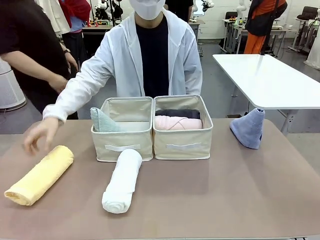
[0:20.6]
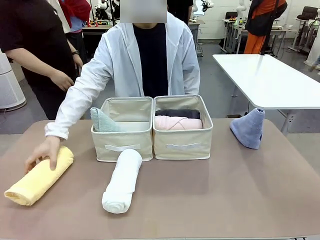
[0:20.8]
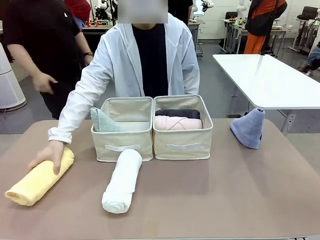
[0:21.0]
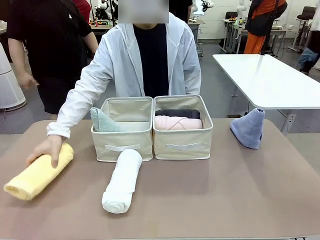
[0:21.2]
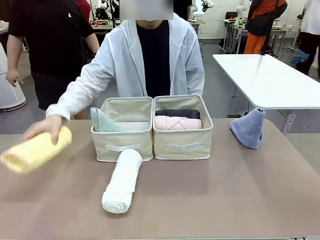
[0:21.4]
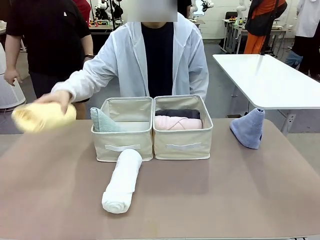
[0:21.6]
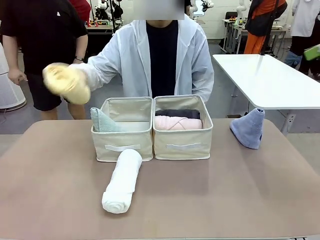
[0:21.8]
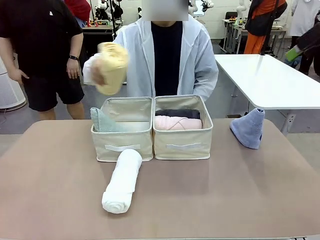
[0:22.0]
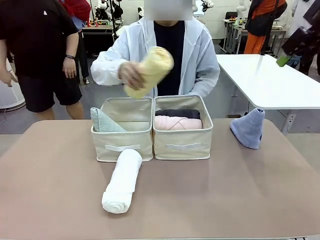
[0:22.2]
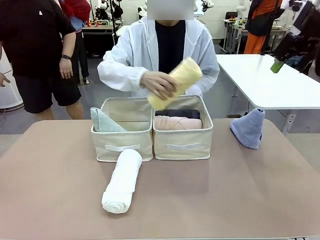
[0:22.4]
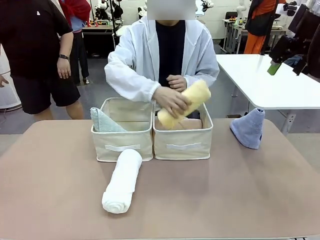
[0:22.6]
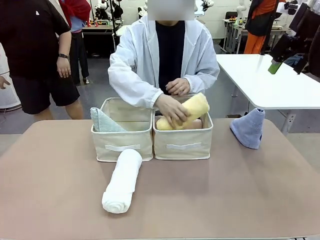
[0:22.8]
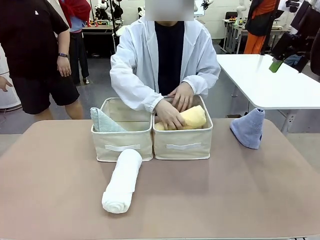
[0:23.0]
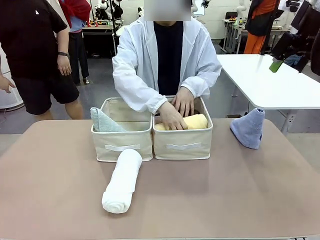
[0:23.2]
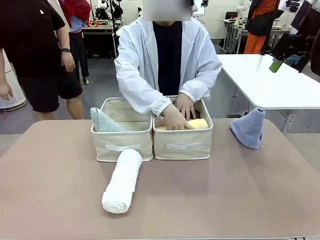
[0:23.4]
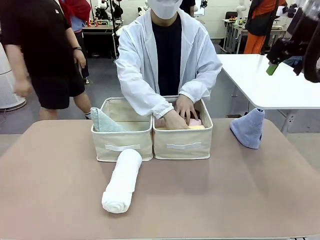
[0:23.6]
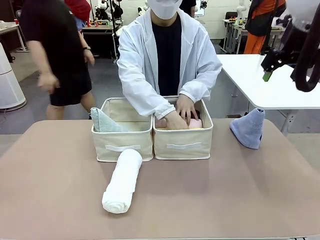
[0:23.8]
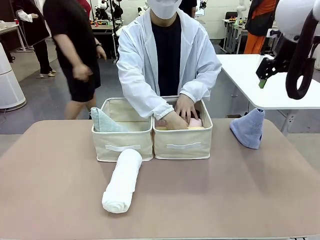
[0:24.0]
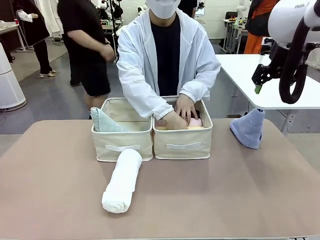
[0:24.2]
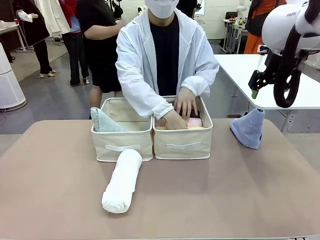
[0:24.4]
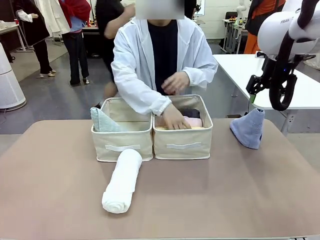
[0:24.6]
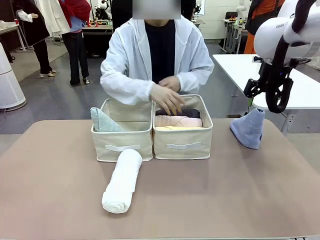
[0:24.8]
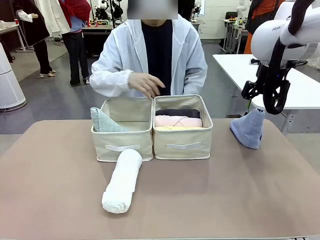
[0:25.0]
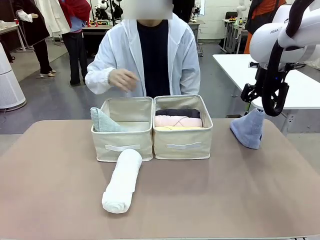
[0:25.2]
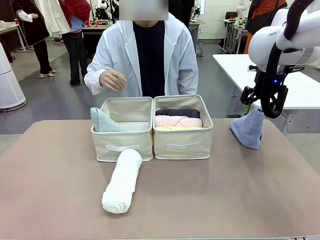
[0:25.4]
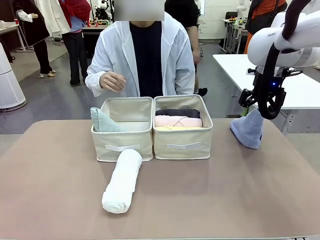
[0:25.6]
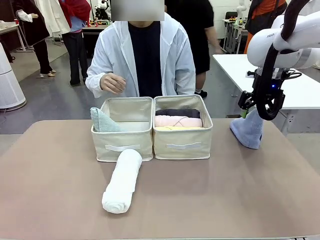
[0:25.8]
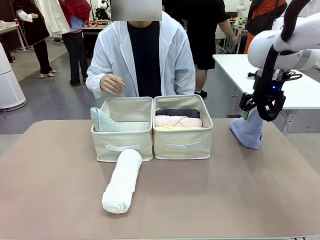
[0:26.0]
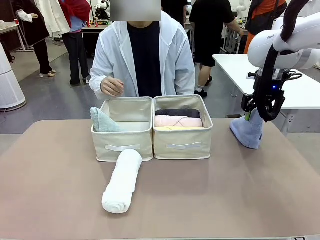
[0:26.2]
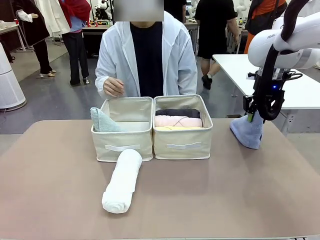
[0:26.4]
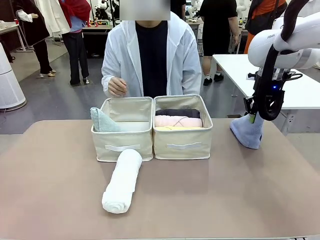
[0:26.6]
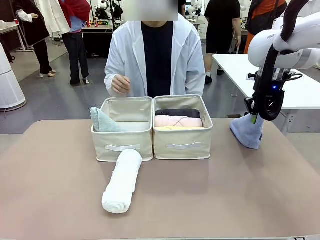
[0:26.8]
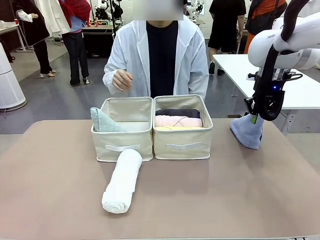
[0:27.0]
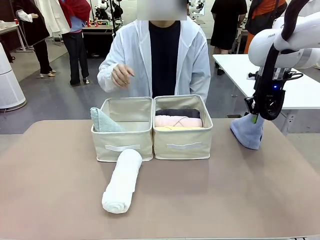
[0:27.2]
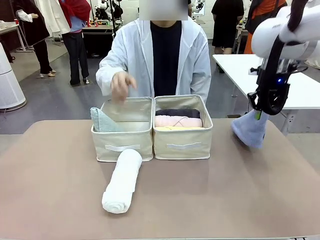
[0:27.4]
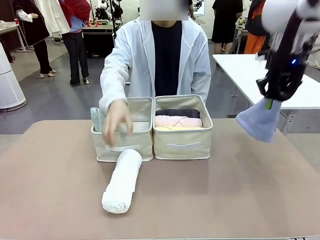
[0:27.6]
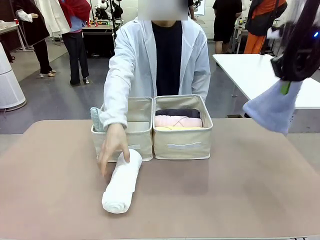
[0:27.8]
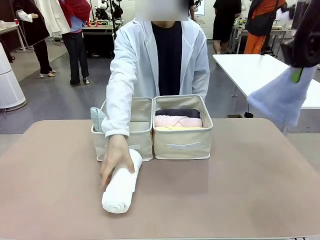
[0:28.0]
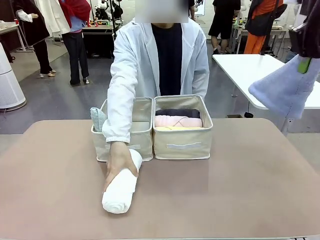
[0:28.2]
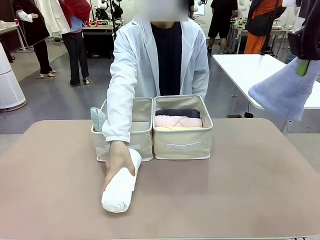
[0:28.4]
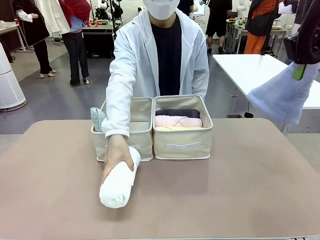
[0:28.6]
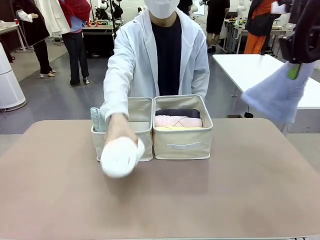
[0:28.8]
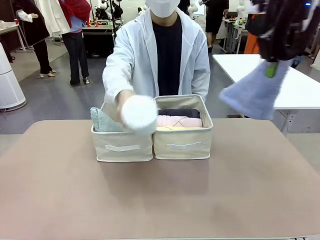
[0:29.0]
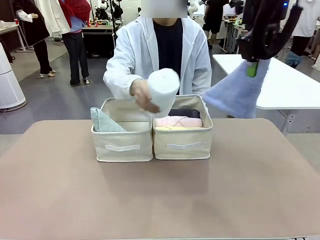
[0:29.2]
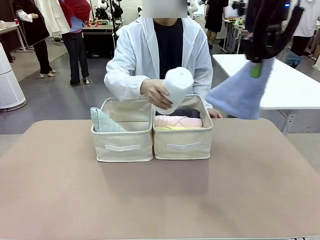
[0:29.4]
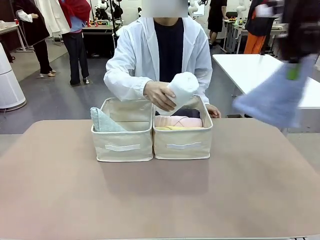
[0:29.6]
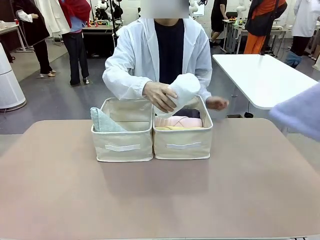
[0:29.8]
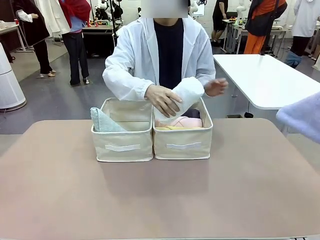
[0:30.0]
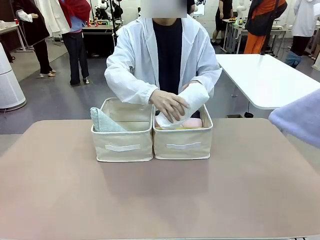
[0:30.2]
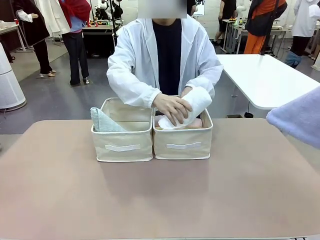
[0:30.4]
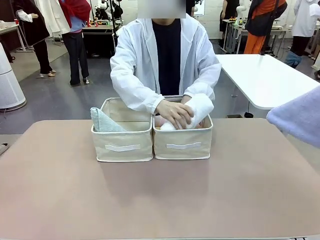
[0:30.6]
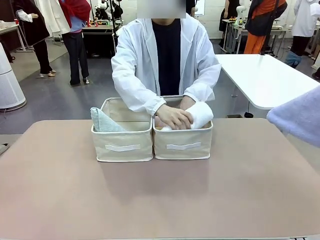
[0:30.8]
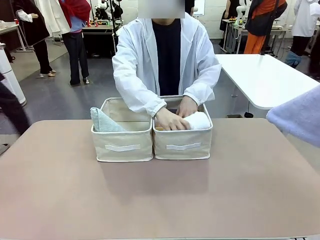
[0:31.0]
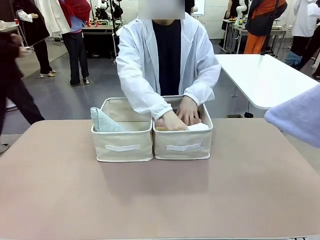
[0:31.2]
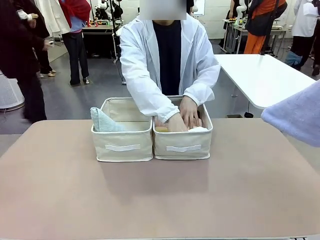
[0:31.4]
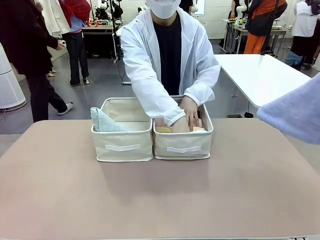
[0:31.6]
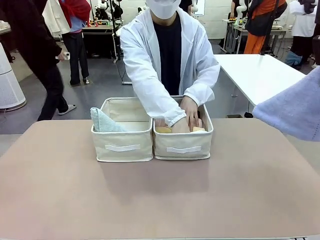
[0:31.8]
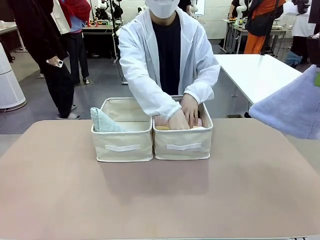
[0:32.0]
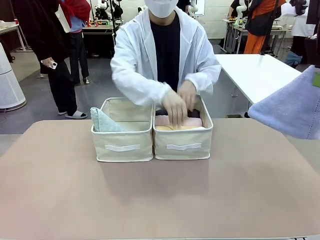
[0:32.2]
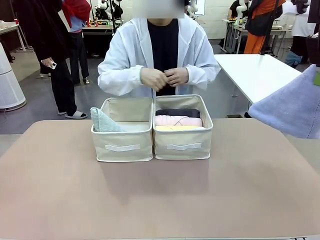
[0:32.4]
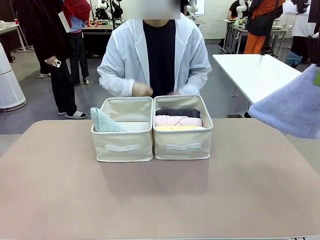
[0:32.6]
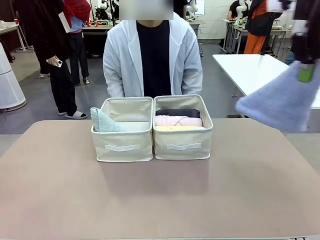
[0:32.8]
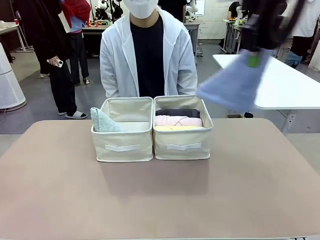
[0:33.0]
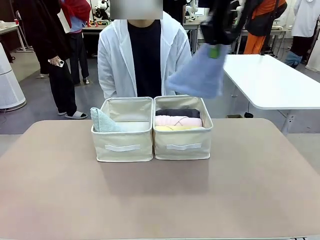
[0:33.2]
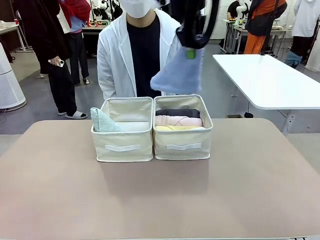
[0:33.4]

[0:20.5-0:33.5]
Task: Sort the towels based on their folding style.
Robot: Pick up another triangle-folded towel from the table and place it in the left Fabric basket.

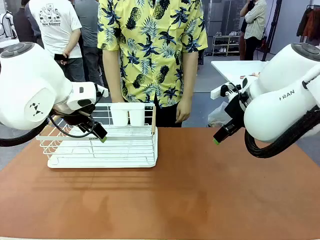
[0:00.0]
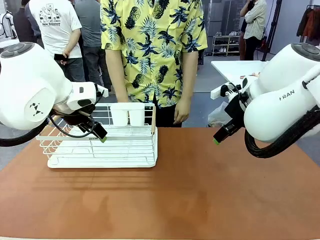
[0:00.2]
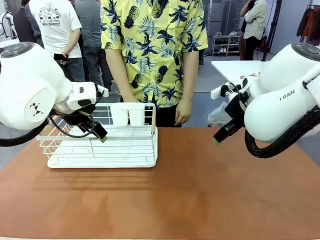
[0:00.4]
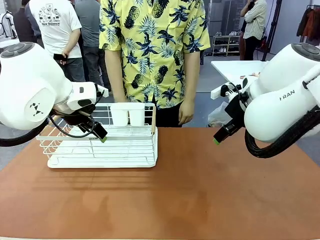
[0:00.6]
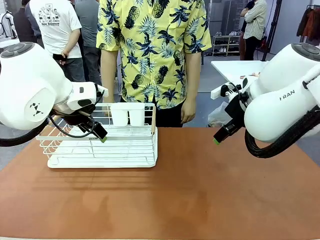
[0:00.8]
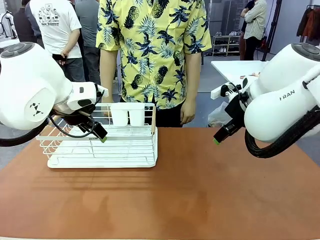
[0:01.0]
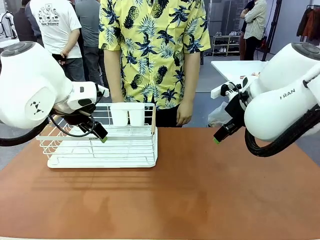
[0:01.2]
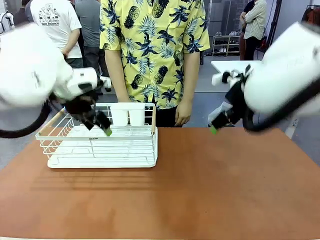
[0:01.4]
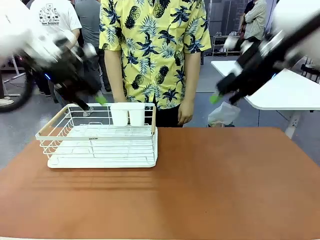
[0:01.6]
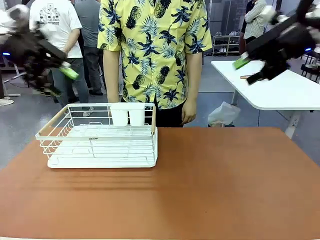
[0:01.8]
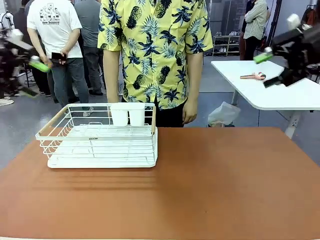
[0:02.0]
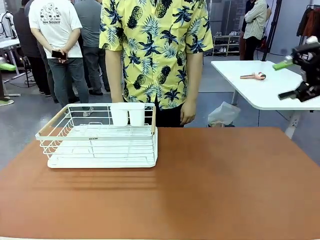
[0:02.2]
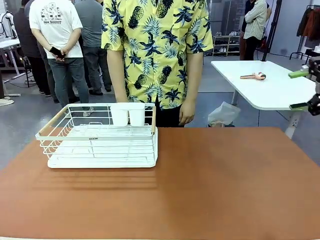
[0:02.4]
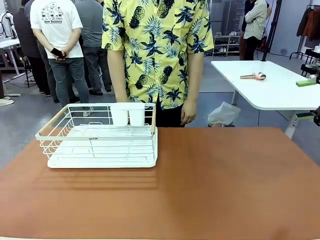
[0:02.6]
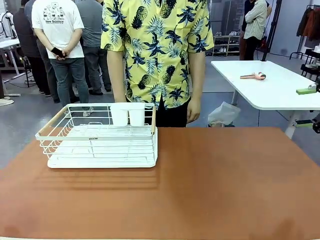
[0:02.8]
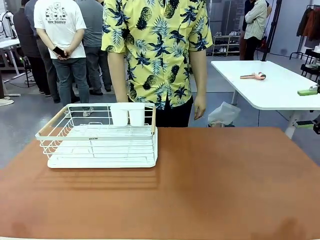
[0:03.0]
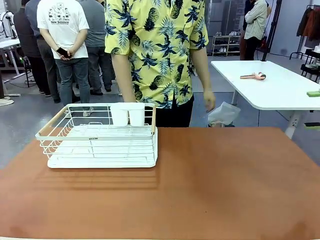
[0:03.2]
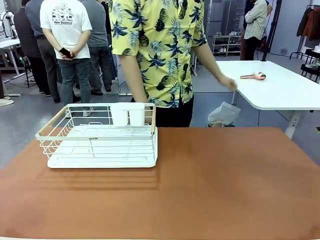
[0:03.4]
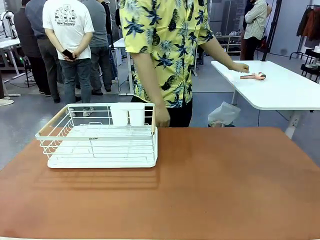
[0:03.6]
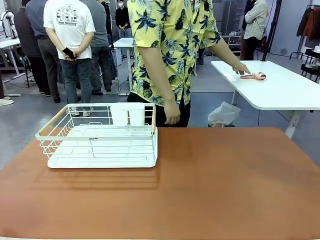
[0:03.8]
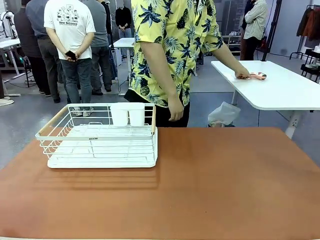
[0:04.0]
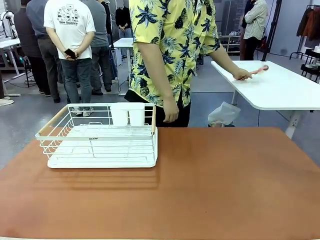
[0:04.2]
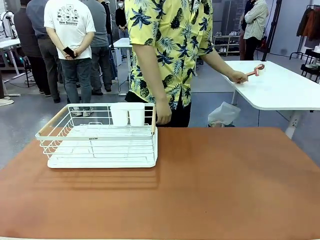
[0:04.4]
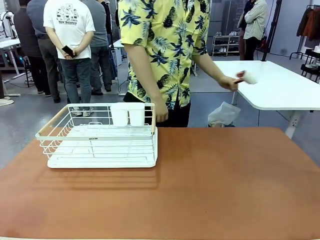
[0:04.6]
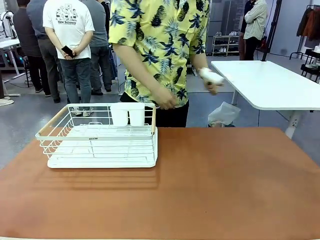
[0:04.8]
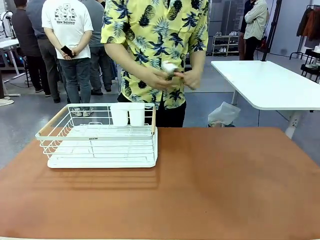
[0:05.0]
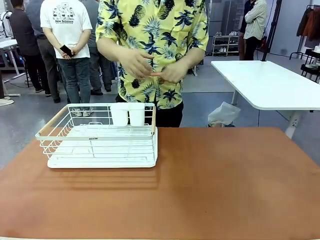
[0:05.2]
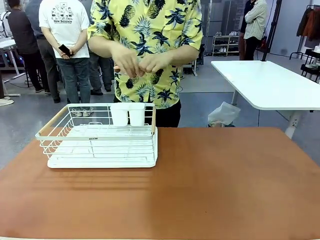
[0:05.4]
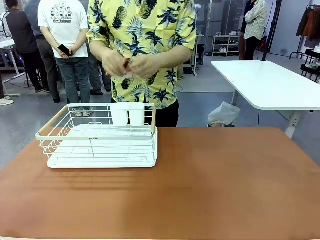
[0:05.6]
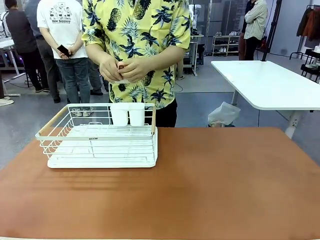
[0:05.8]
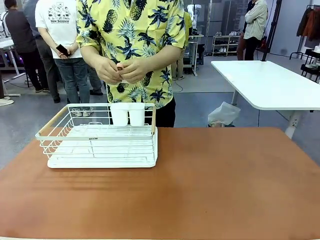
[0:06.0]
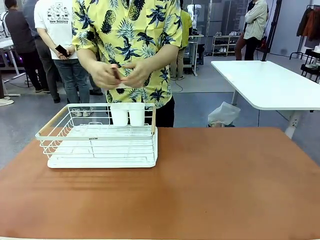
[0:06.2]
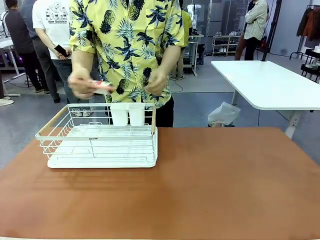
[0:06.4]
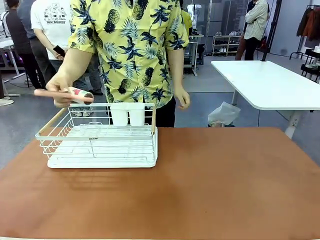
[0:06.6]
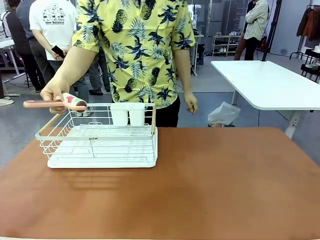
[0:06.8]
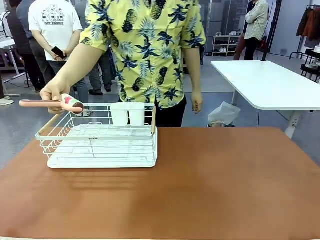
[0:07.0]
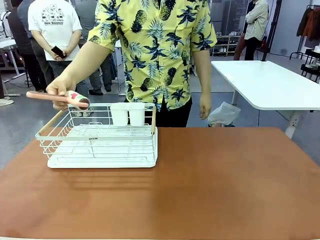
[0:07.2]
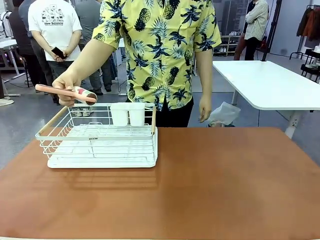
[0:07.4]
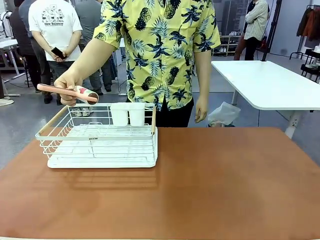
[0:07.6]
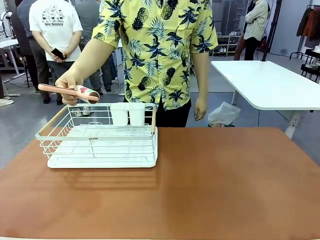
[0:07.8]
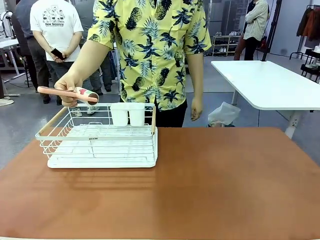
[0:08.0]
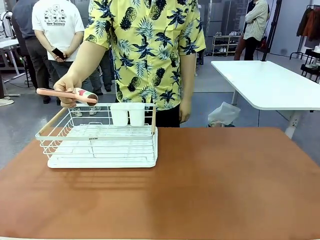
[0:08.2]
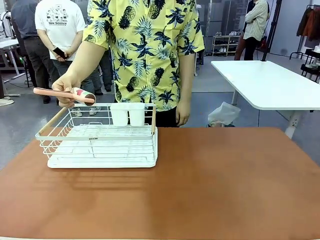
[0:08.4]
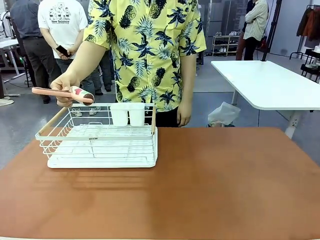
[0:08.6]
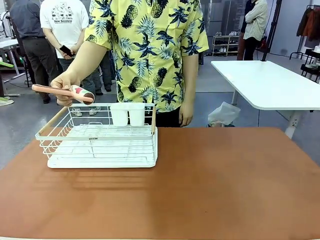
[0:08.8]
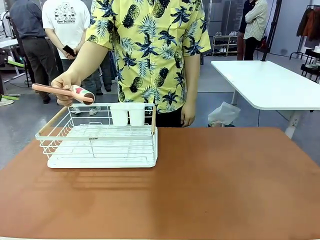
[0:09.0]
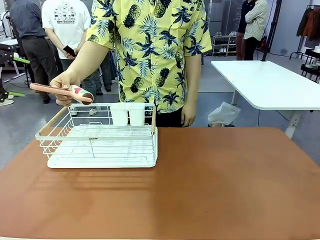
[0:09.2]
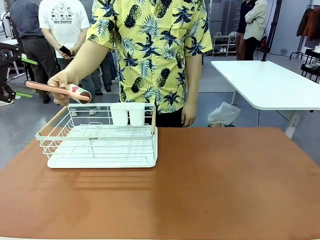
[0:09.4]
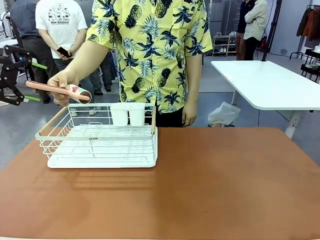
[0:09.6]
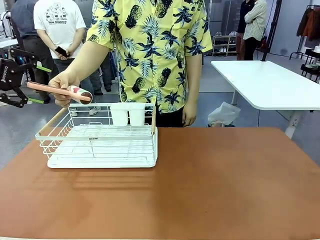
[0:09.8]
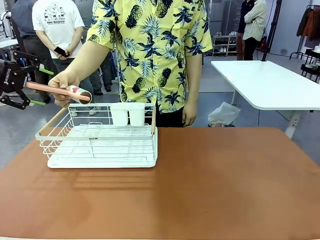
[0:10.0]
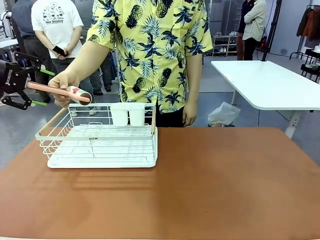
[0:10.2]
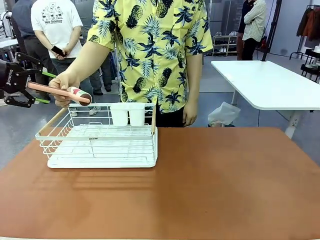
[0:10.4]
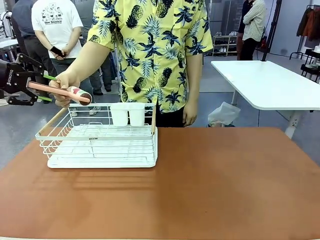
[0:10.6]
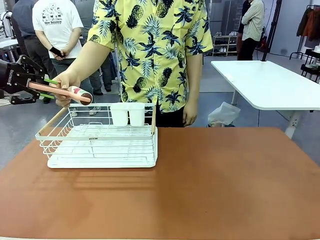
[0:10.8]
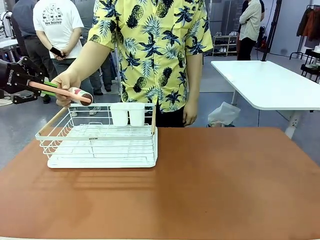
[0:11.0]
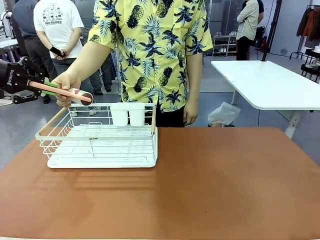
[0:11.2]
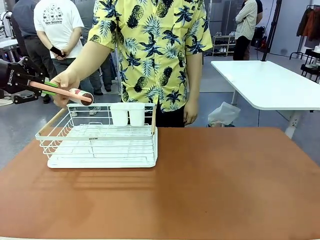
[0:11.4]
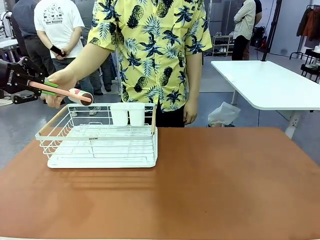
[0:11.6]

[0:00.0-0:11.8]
Task: Clean the table.
Robot: Pick up the Lint Roller when the human hands it over.
Person: Hand the Lint Roller to the robot so it can easily pick it up. Lift the Dish drying rack.
